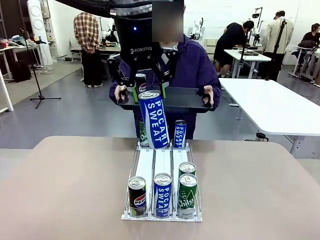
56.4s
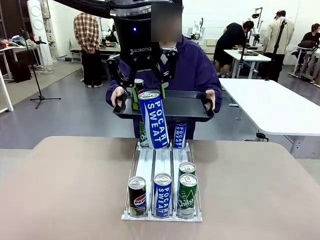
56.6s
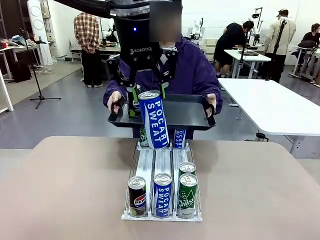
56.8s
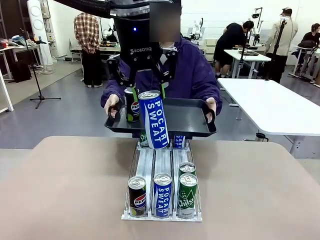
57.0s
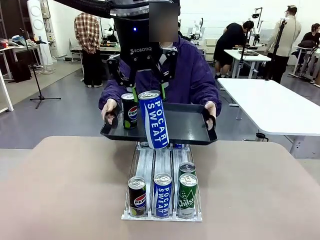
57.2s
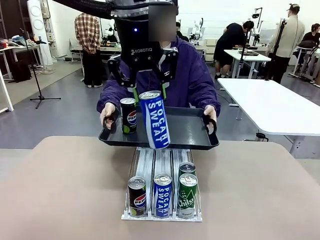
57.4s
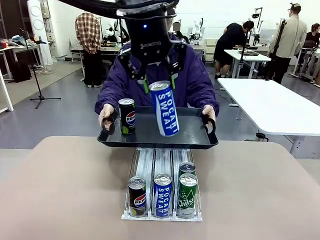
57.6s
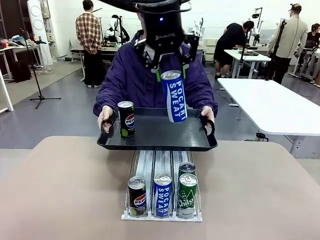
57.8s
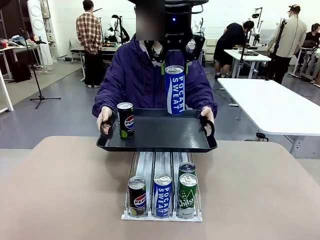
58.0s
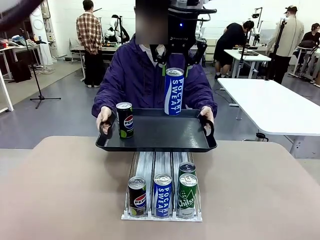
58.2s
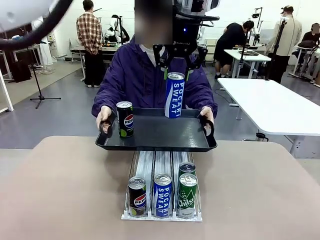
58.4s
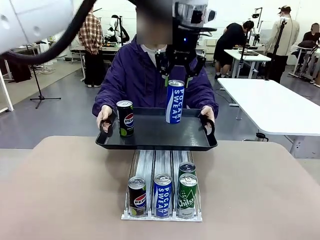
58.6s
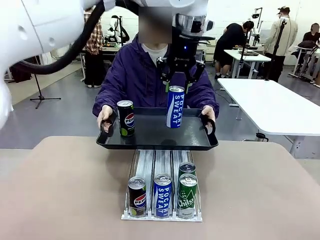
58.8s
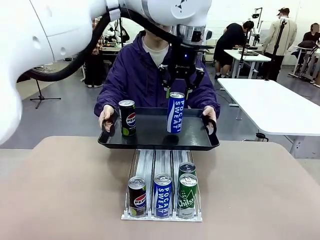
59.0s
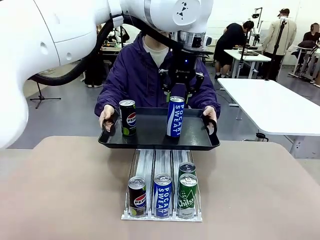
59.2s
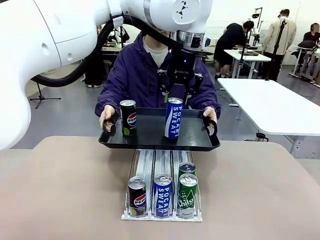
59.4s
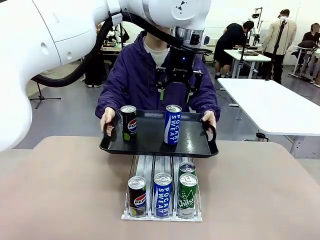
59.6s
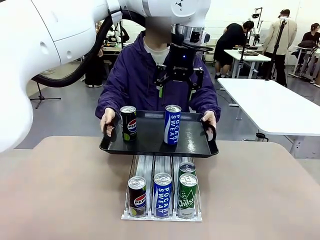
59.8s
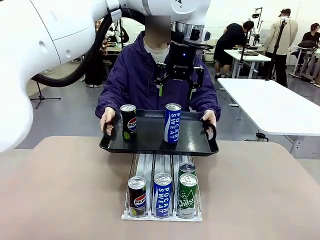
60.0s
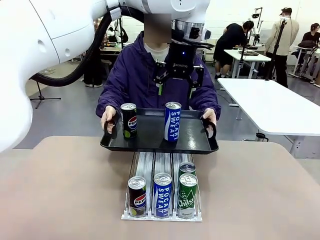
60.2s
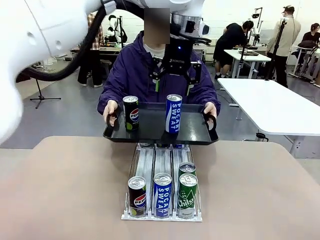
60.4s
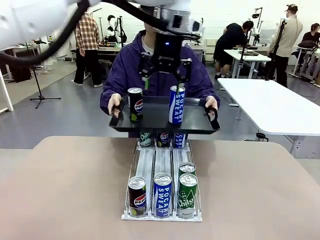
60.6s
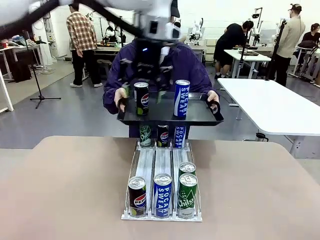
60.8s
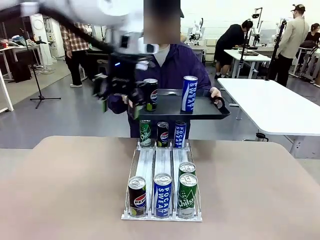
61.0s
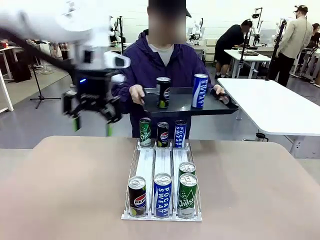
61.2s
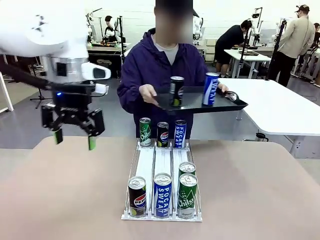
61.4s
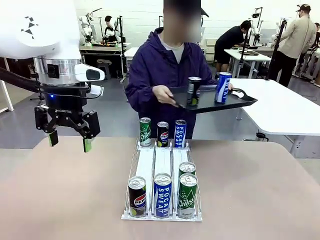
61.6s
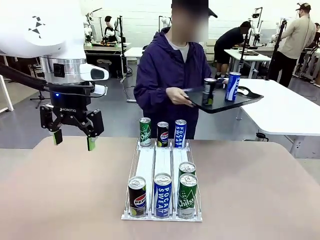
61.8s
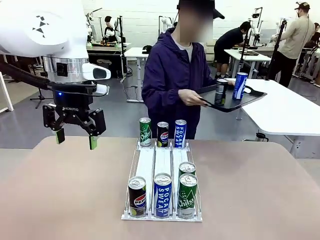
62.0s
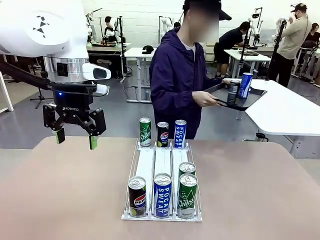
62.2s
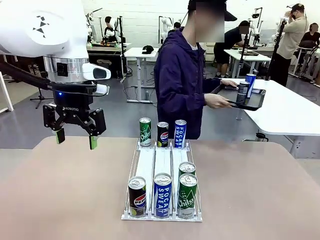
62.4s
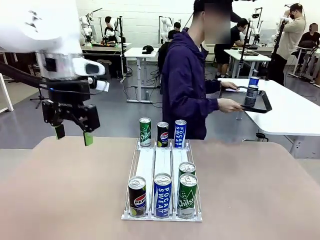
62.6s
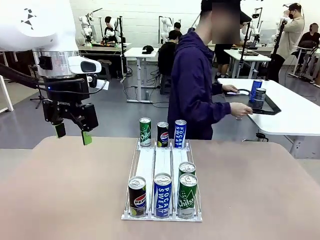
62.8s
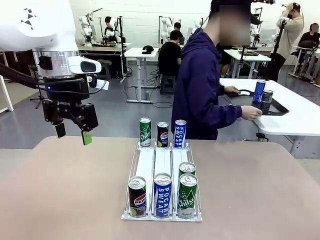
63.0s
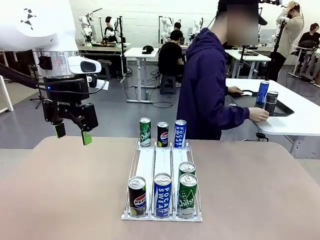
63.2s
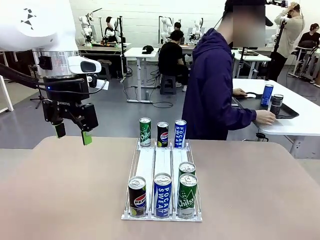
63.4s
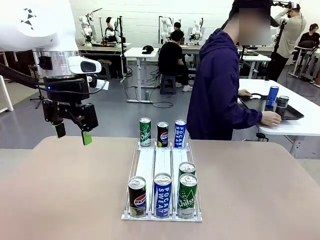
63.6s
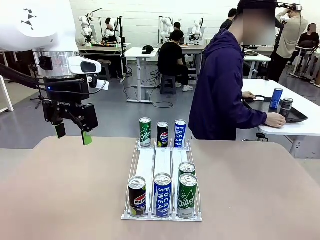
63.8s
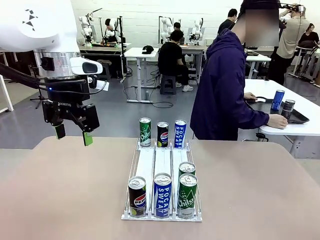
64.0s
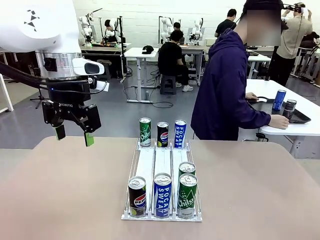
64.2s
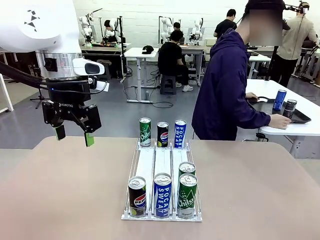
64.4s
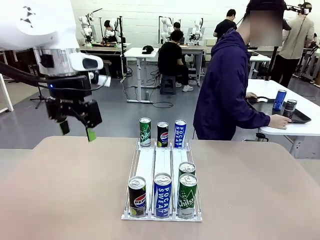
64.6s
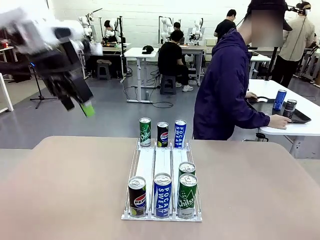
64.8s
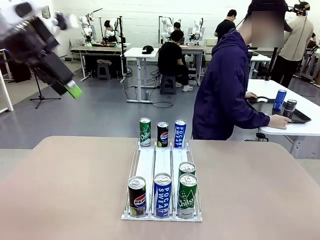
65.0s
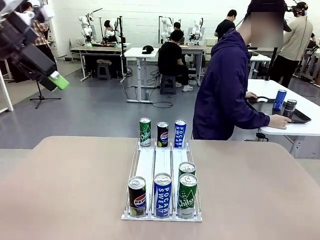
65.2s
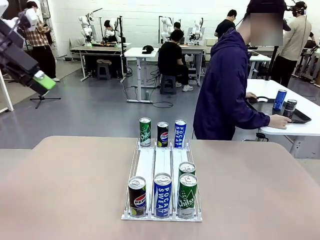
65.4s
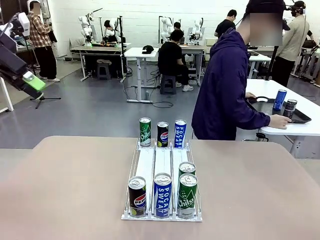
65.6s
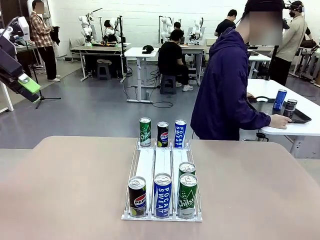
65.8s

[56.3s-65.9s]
Task: Retrieve and hand over the desired beverage to the person.
Robot: Place the picked can on the Handle tray extended by the person.
Person: Pull the tray back and place it at the center of the human table.

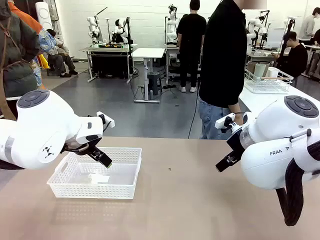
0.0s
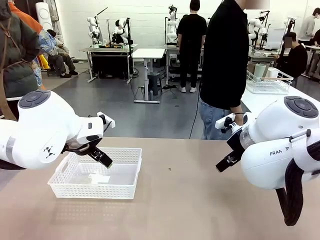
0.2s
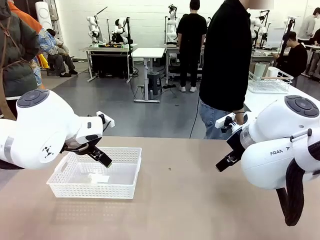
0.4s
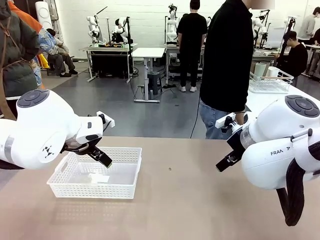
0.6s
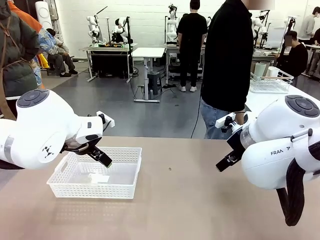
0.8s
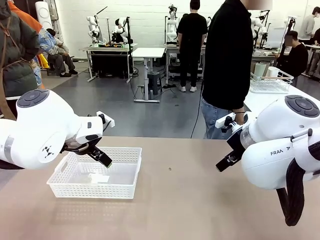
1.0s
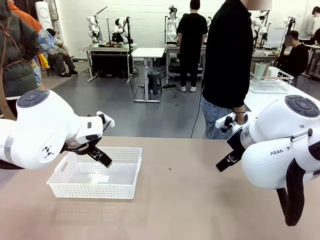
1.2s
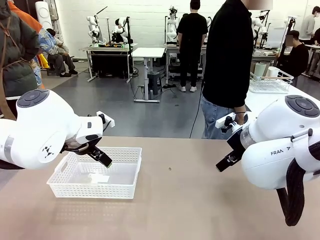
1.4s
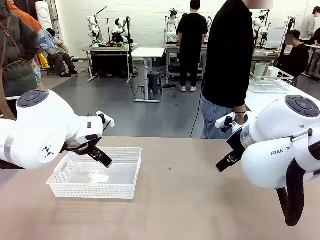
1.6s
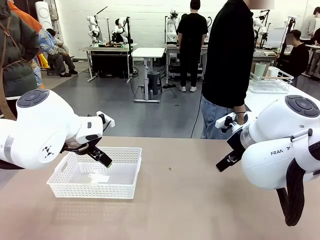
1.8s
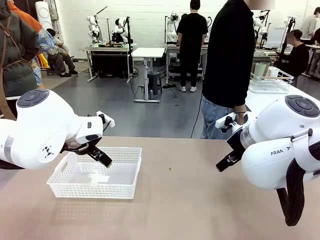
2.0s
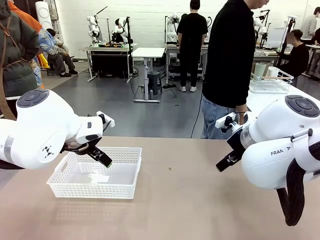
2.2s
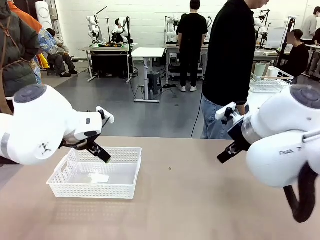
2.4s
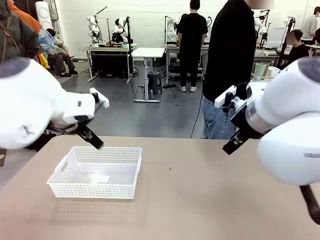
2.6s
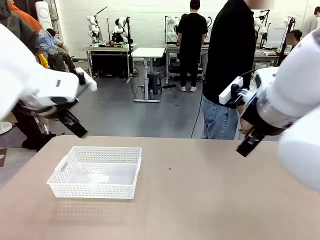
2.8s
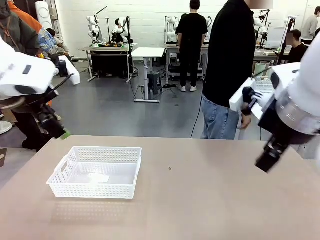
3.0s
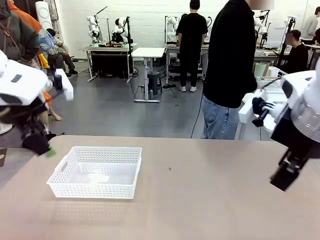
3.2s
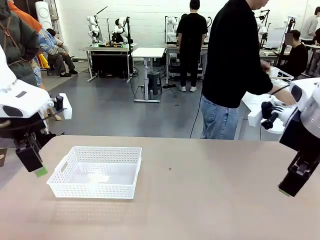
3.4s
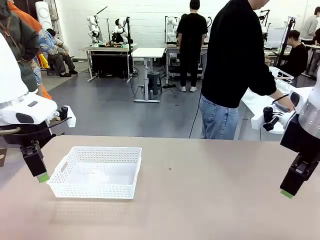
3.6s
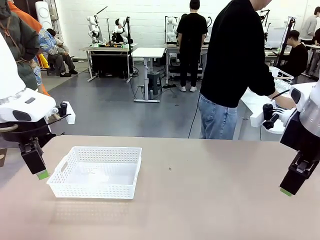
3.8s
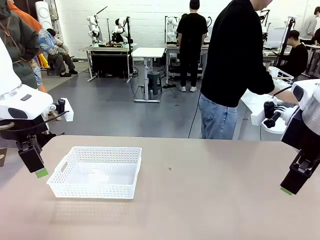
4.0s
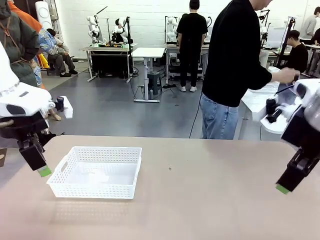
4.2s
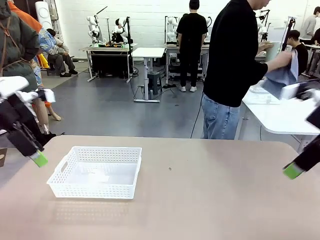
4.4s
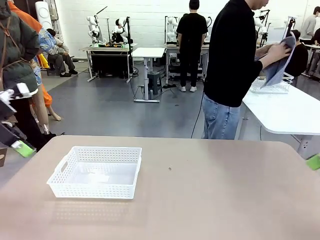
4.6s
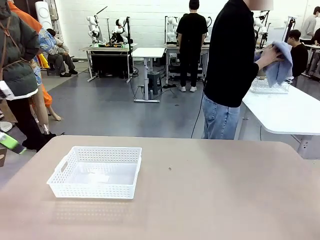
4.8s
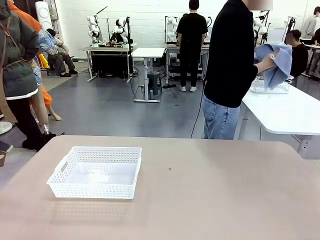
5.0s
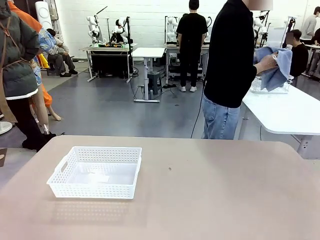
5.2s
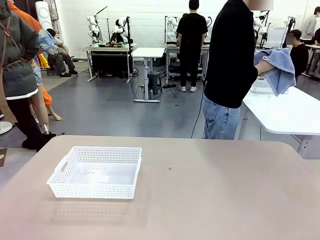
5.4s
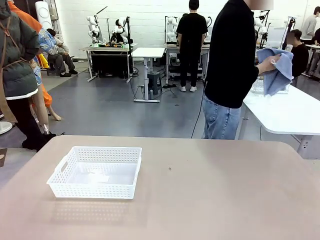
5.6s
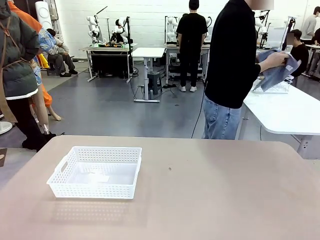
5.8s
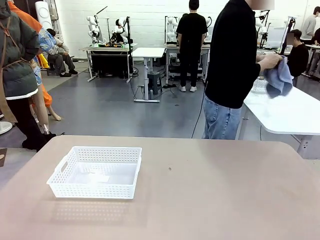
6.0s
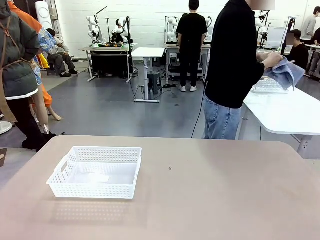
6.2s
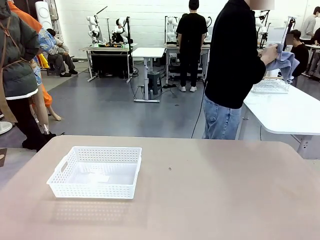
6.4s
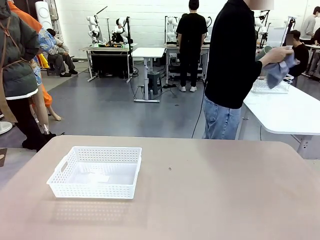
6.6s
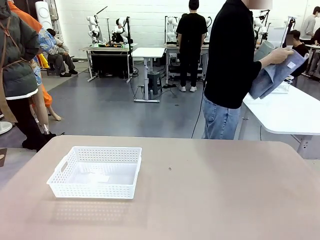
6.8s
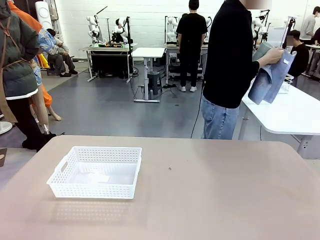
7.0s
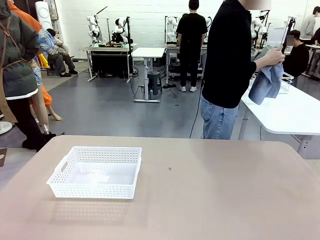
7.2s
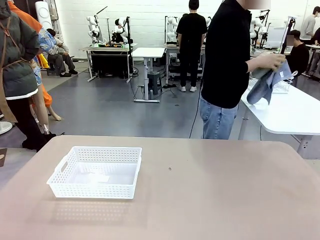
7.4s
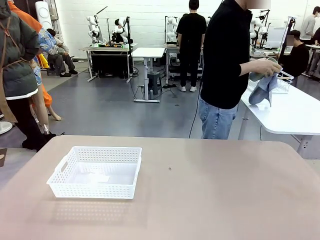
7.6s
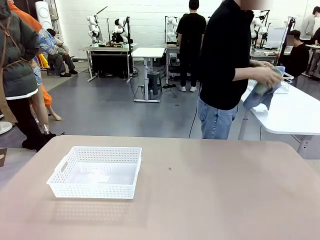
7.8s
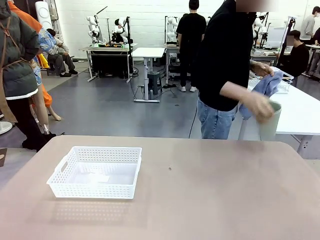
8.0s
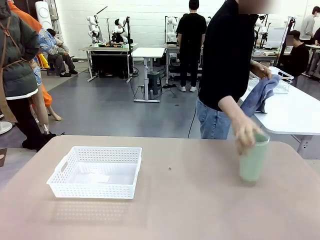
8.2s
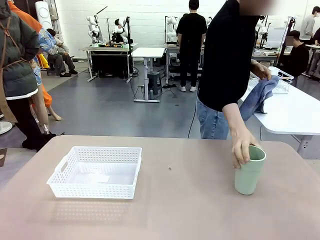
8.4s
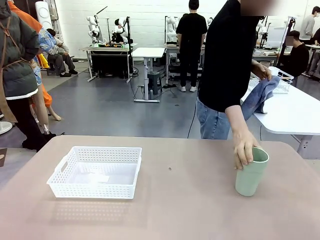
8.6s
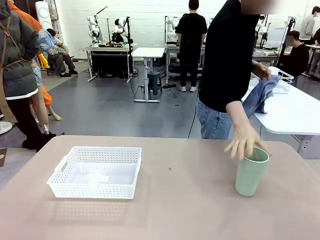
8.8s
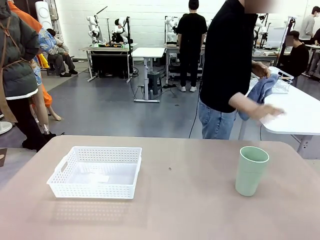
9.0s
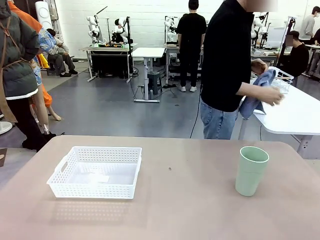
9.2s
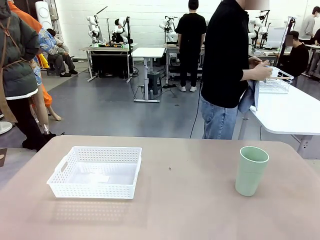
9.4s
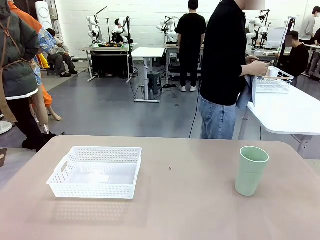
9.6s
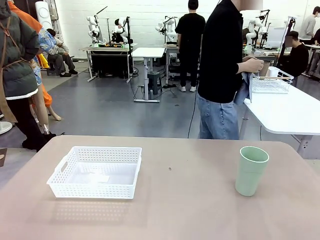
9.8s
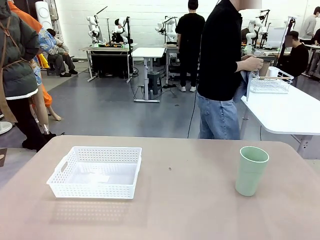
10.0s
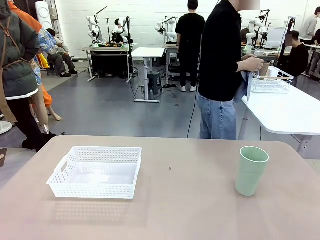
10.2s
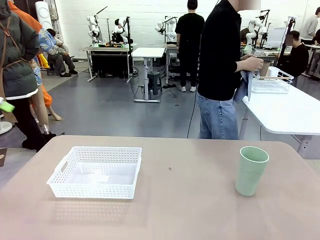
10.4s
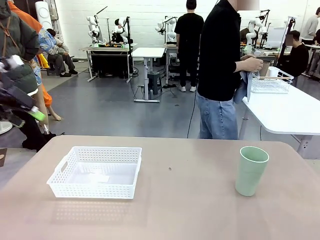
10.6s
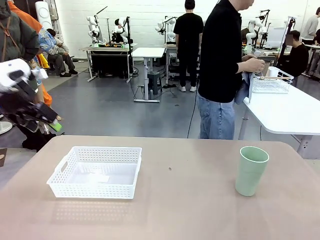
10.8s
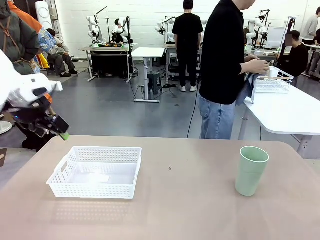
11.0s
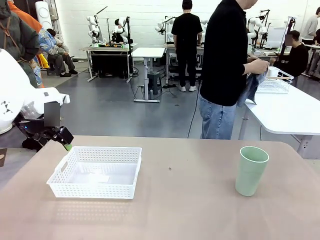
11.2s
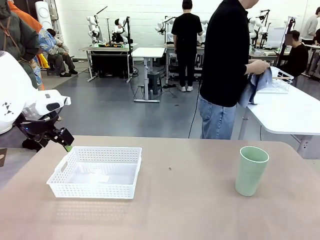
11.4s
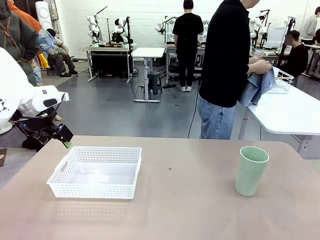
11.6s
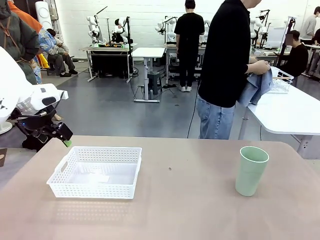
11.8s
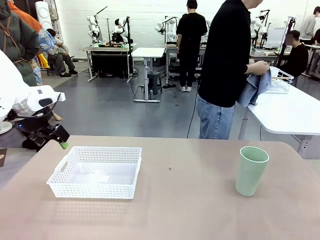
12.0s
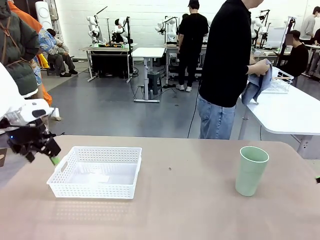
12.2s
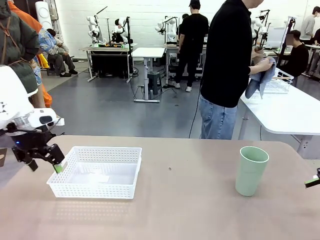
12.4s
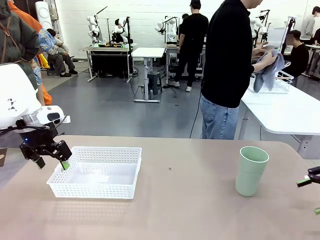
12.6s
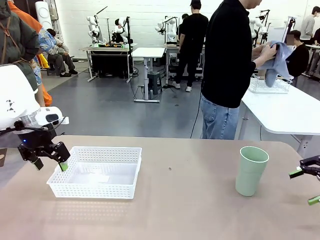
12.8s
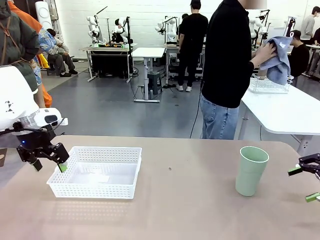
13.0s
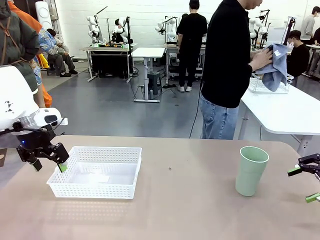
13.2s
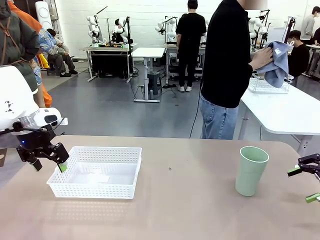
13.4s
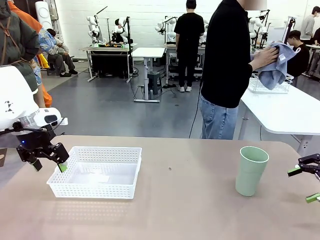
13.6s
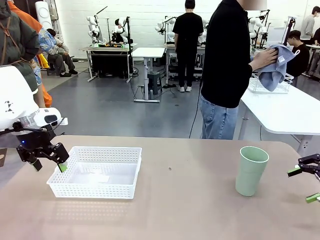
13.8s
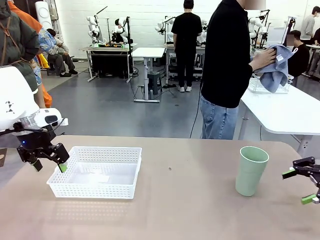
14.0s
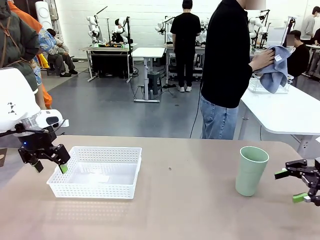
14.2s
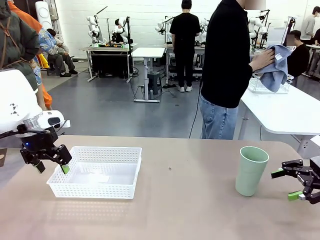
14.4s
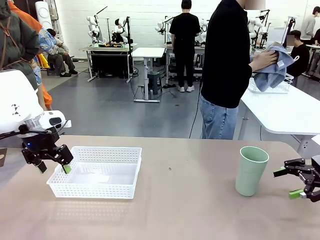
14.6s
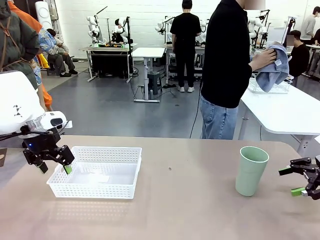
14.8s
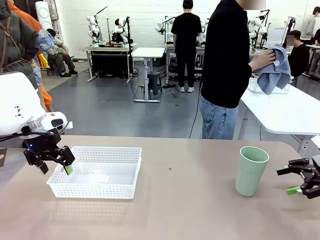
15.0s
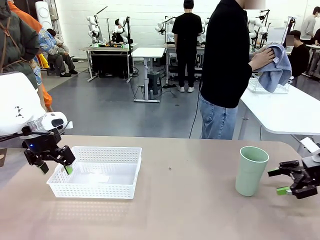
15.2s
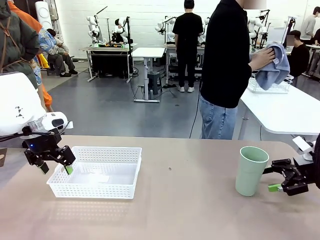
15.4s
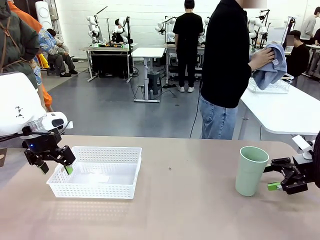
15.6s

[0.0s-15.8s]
Task: Clean and organize the cups into the basket.
Robot: Pick up the Organizing basket and move it to the center of the table, then pick up the Reusable plastic cup from the right side of the table and place it inside the Organizing basket.
Person: Picks up a cup and a towel, cleans the cup with the towel, and places it on the left side of the robot table.
